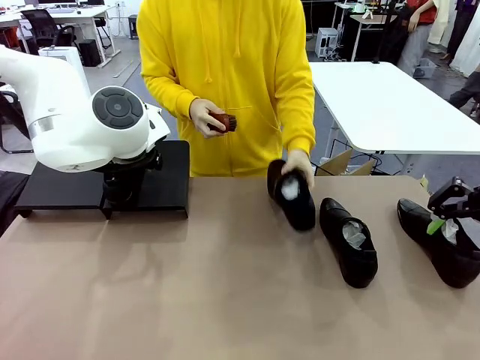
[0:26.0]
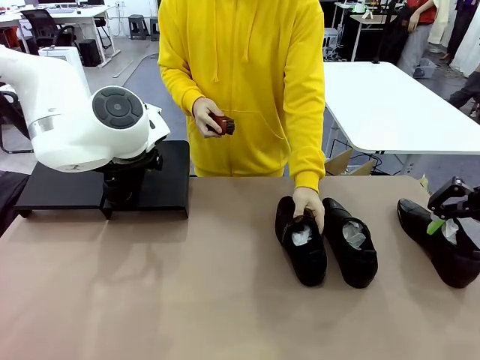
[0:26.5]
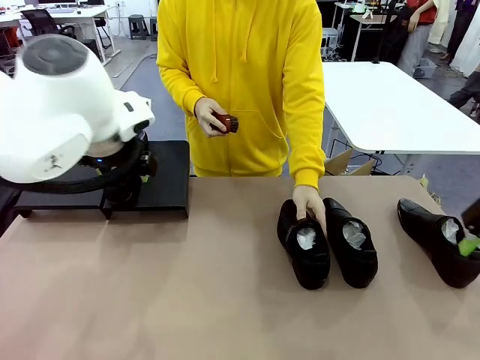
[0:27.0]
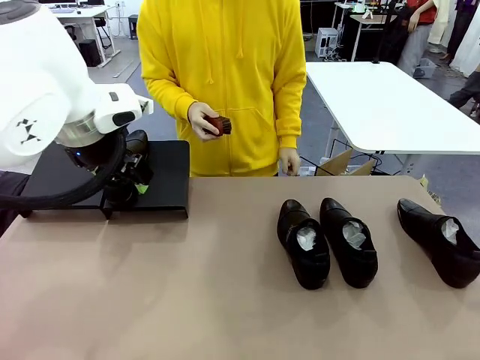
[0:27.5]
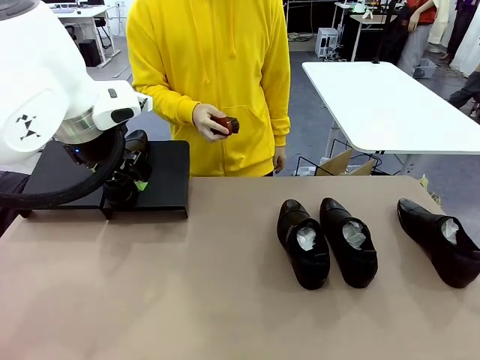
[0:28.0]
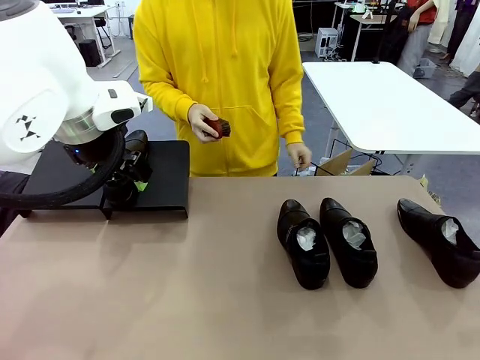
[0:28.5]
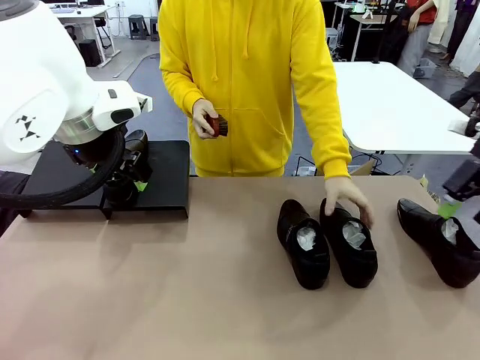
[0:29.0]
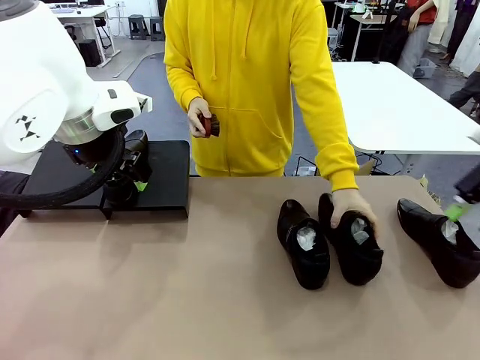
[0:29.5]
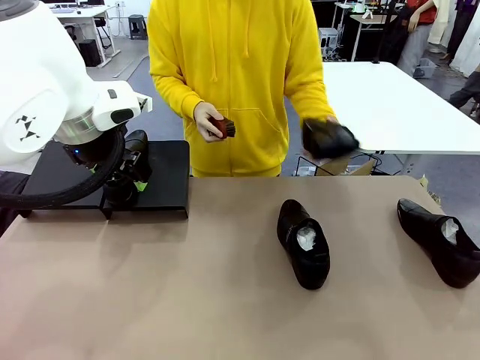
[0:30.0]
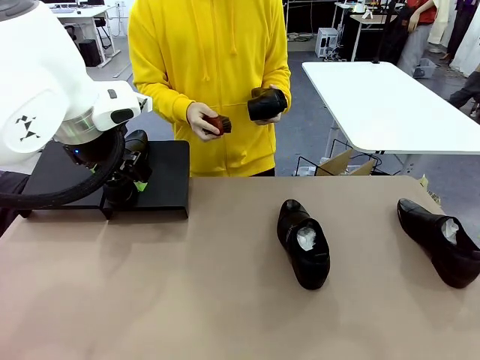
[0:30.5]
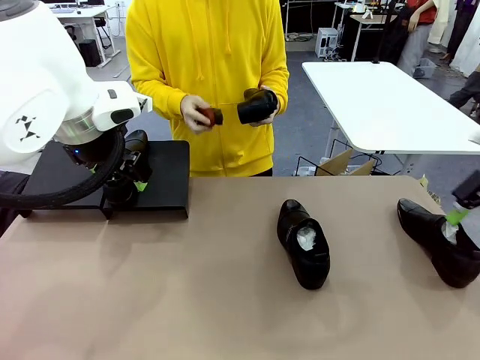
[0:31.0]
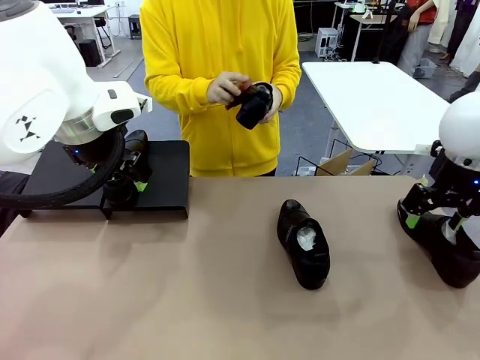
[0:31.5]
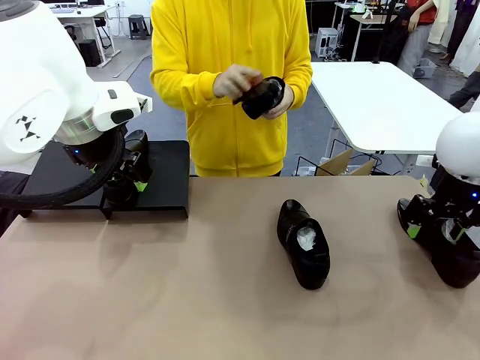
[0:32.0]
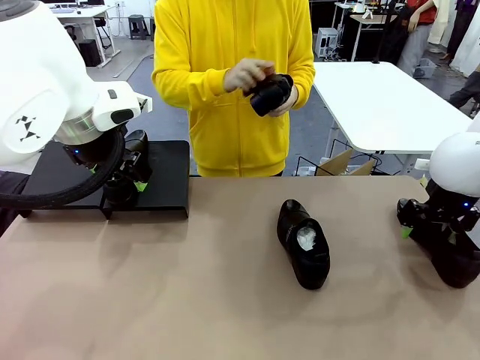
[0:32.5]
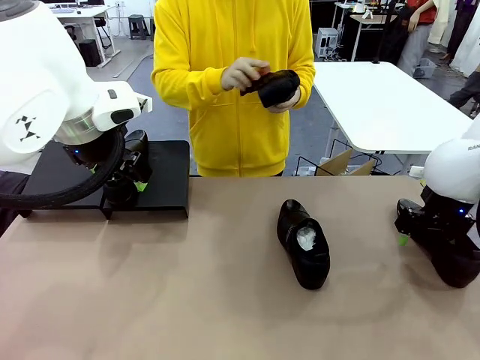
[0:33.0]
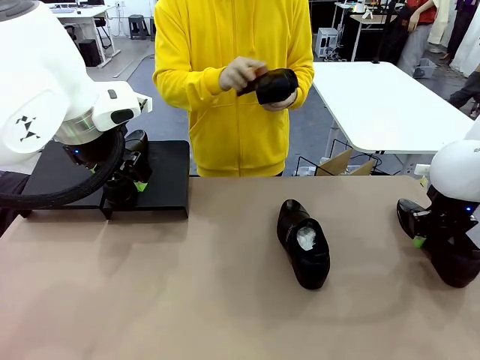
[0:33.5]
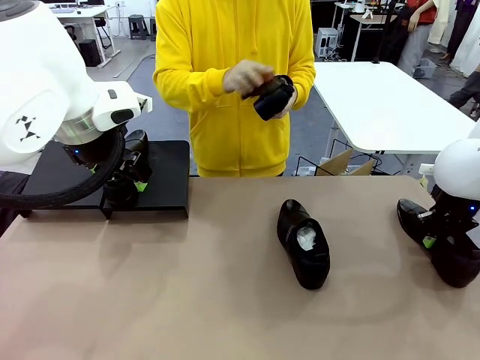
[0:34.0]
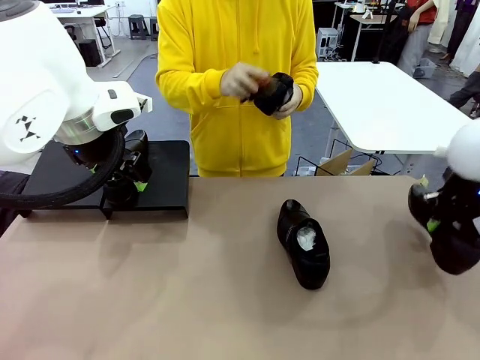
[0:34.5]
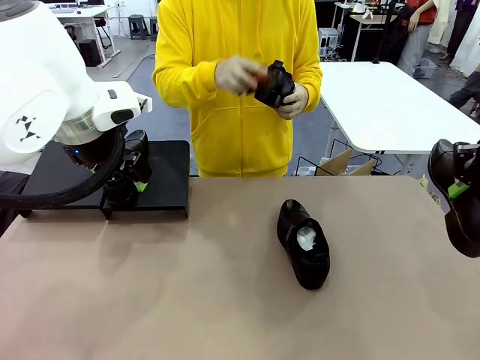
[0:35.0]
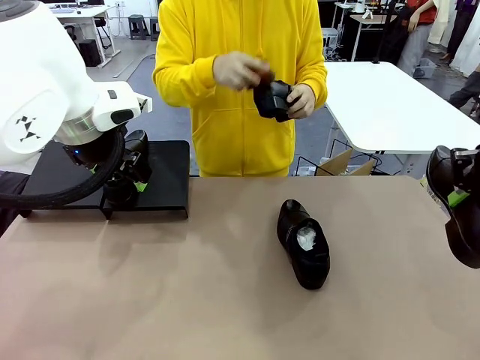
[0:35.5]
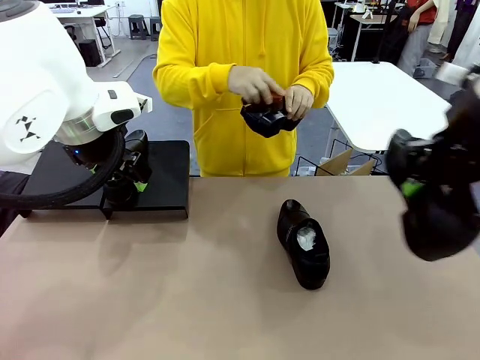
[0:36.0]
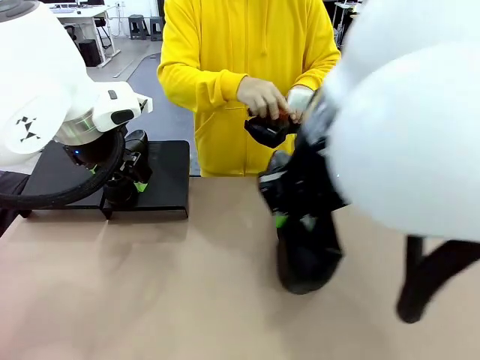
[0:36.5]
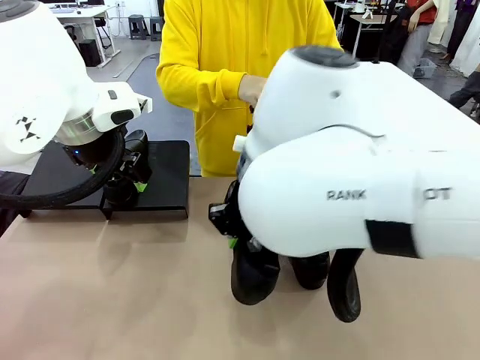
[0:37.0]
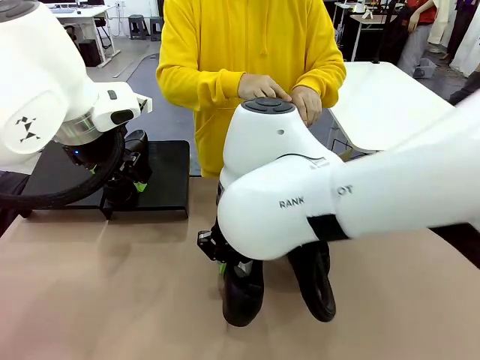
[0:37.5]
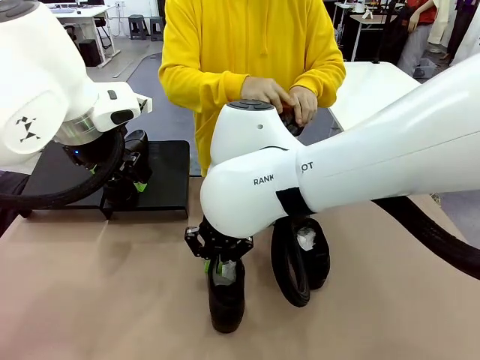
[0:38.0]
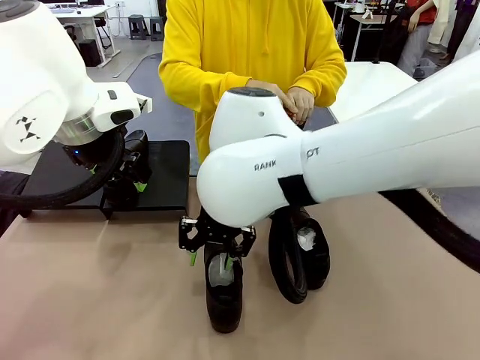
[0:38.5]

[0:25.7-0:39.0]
Task: Organize the shoes by placing them on the stand.
Robot: Pick up one Shoe and place it in the middle of the table.
Person: Place the Shoe on left side of the Robot's table. Pick one Shoe on Robot's table.

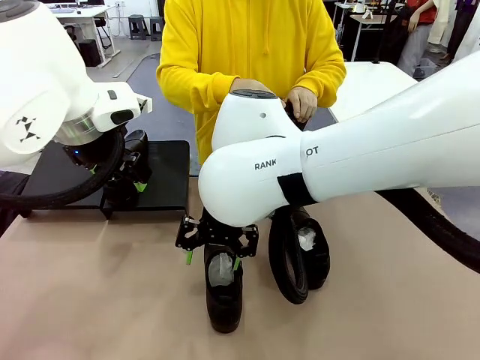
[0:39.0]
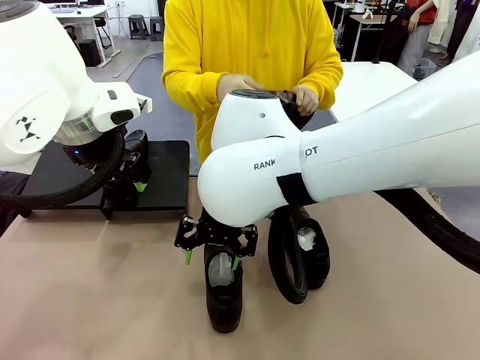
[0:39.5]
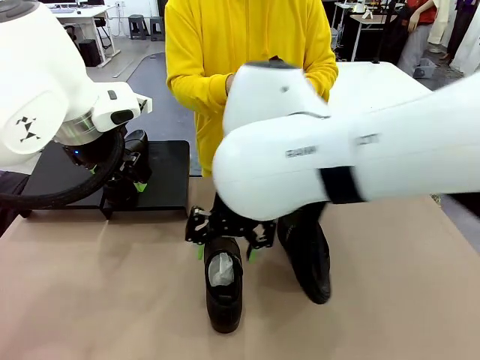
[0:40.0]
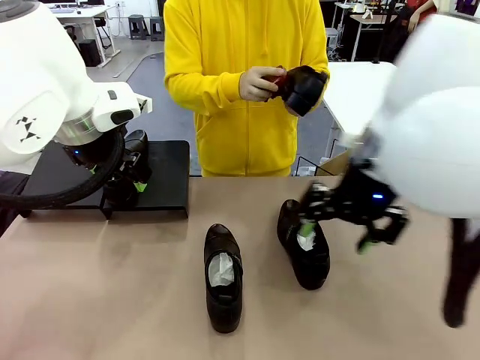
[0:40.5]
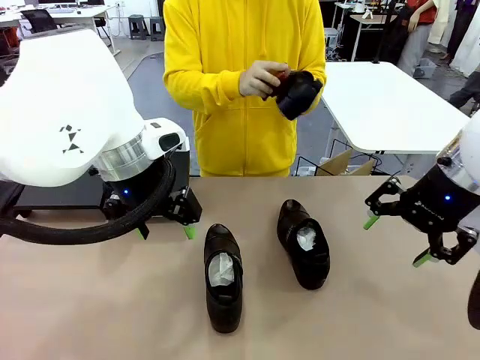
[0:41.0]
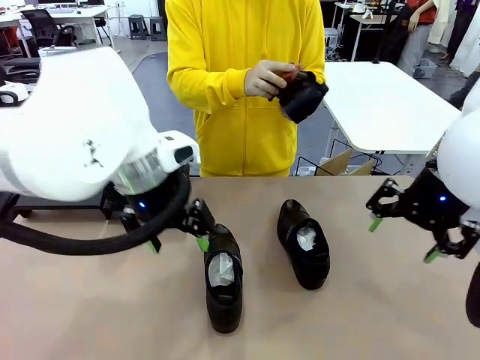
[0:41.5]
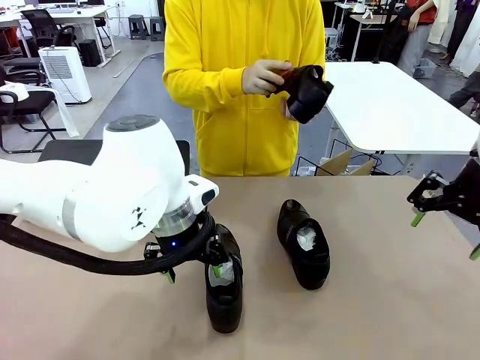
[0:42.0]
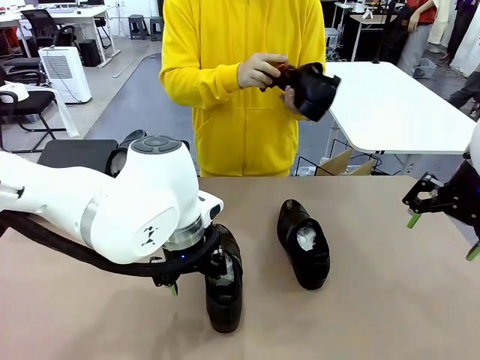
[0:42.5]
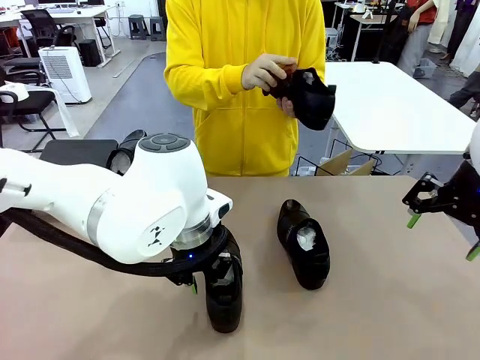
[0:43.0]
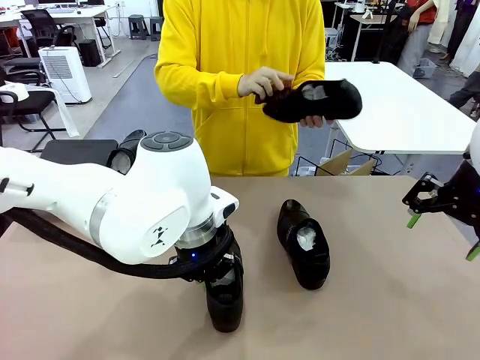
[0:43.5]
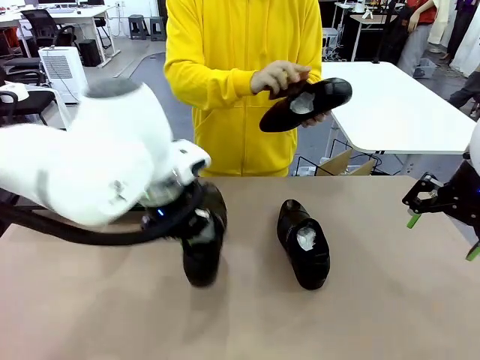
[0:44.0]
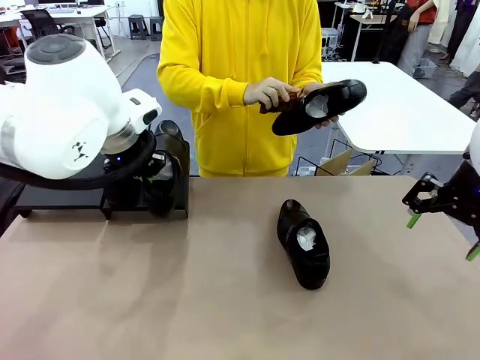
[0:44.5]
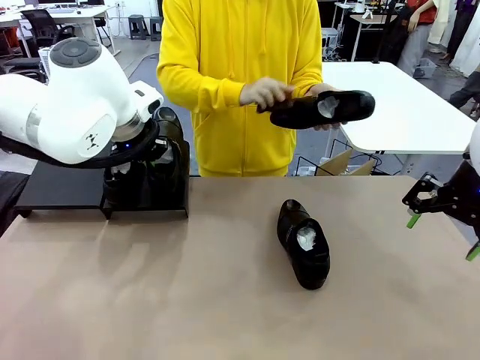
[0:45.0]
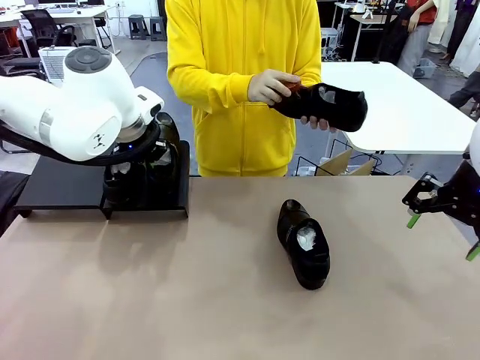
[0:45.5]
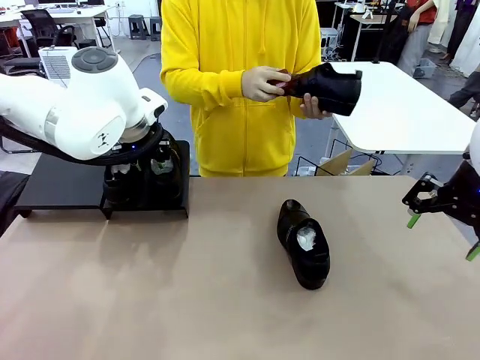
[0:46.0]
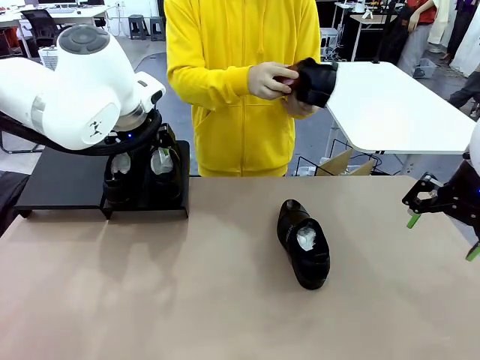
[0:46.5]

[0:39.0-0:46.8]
Robot: Place the Shoe from the middle of the table onto the Shoes Stand.

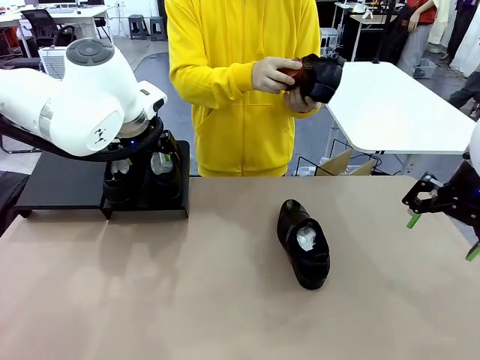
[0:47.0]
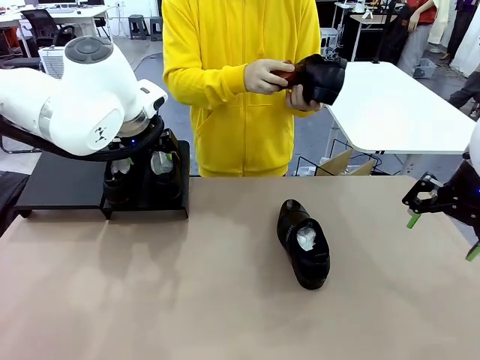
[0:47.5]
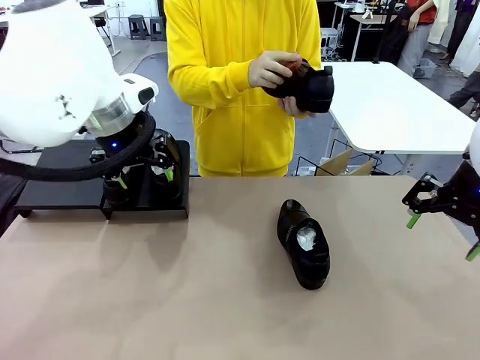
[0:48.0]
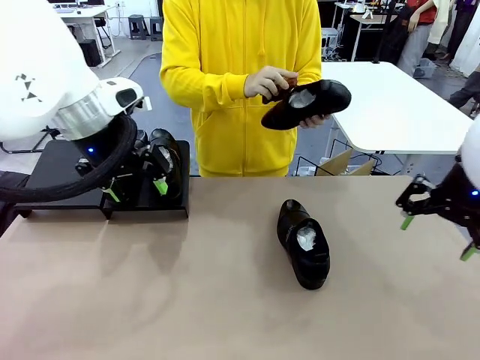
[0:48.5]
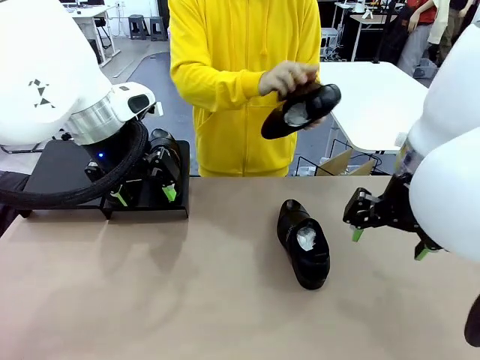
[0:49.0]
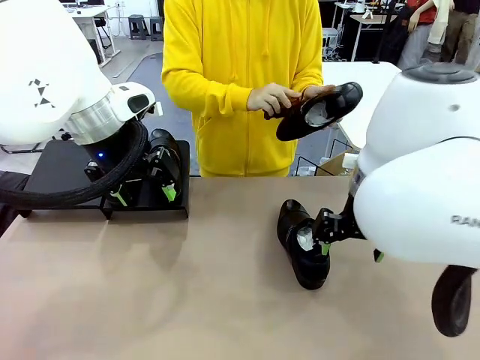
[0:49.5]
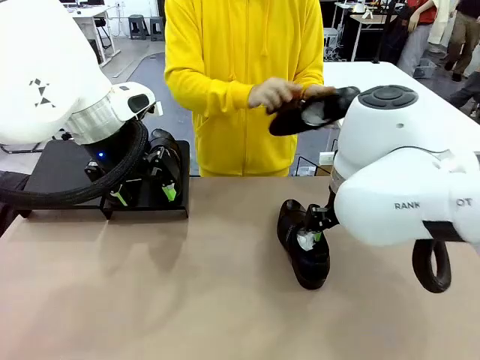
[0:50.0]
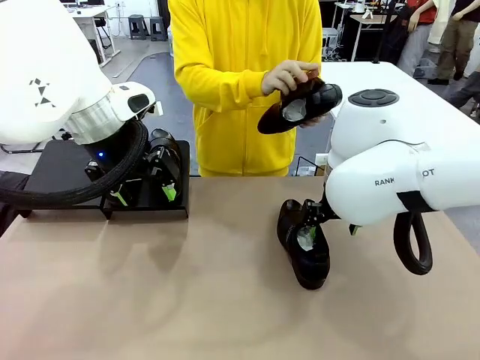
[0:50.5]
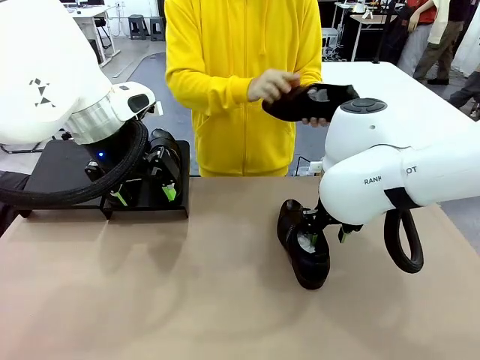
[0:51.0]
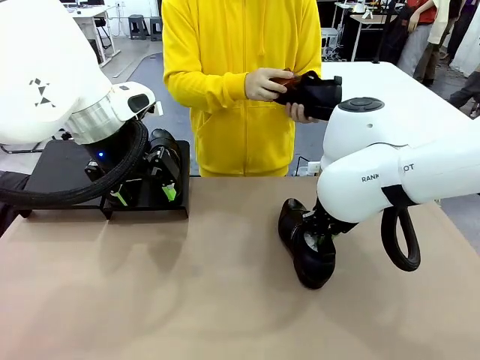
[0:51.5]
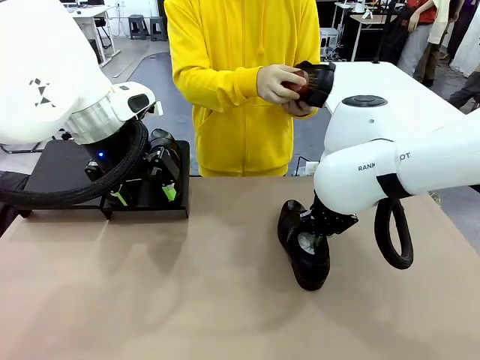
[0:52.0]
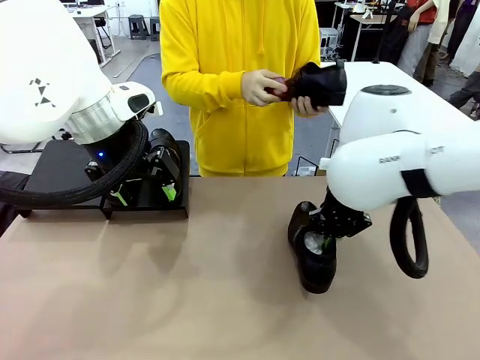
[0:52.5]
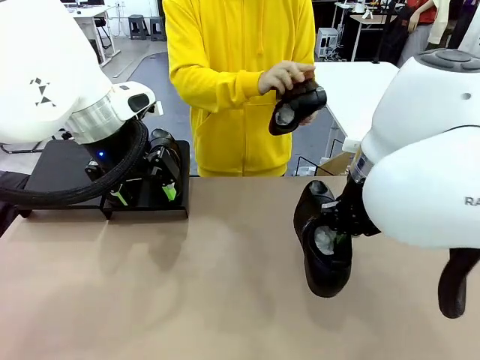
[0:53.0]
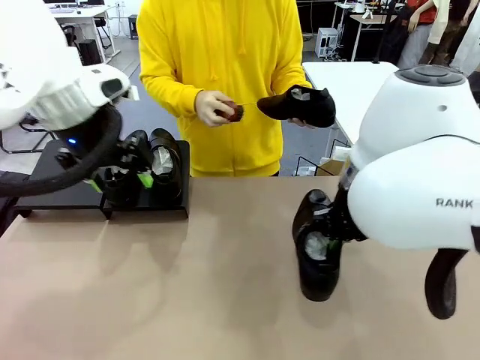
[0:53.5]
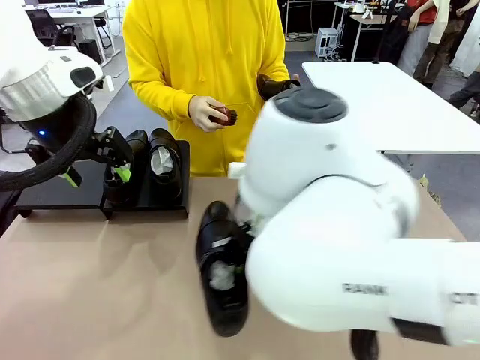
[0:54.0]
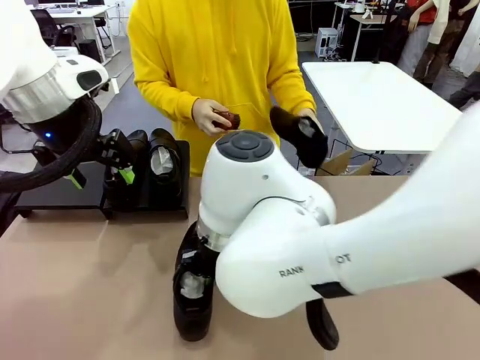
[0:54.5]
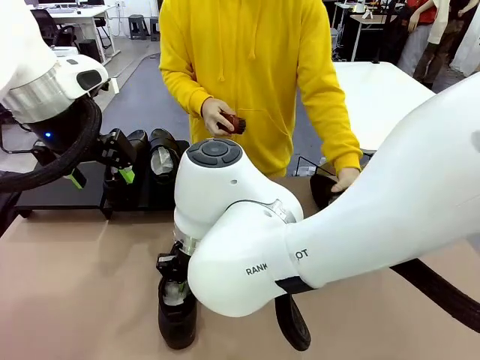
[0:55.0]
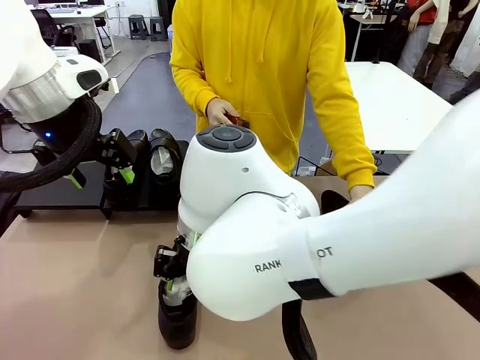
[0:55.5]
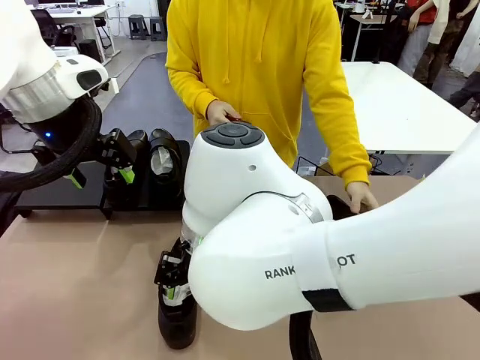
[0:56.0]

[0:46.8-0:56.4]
Robot: Pick up one Shoe and place it in the middle of the table.
